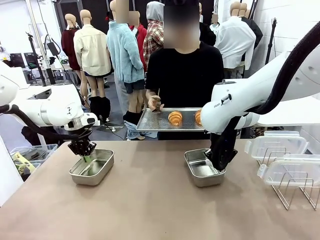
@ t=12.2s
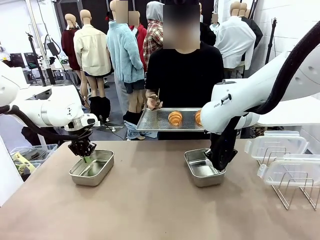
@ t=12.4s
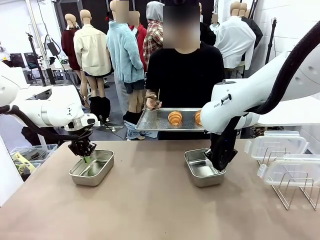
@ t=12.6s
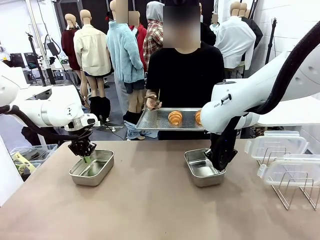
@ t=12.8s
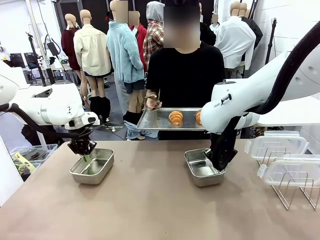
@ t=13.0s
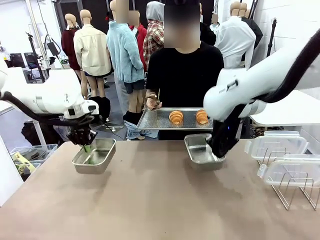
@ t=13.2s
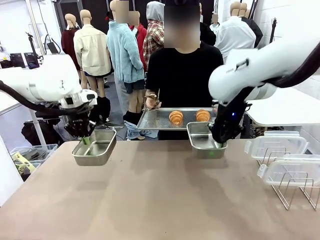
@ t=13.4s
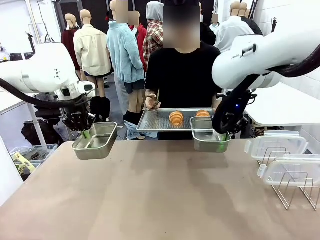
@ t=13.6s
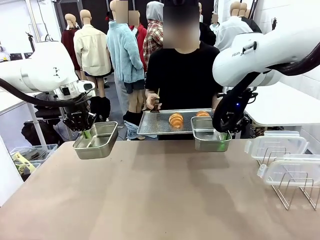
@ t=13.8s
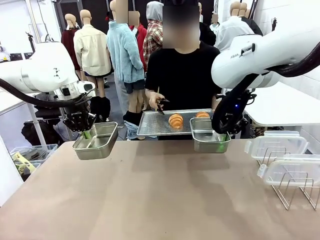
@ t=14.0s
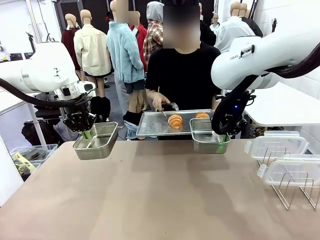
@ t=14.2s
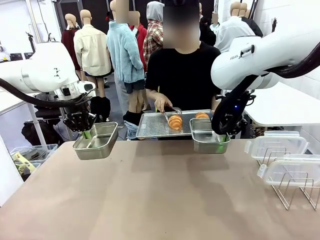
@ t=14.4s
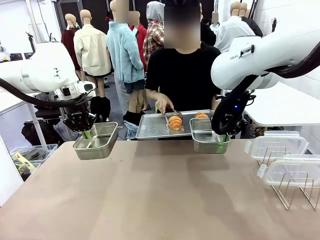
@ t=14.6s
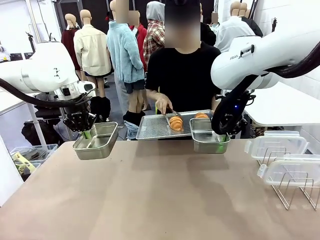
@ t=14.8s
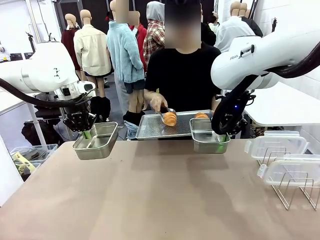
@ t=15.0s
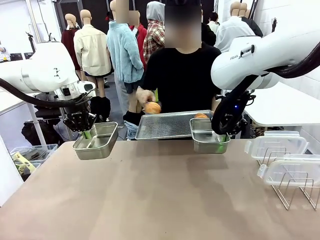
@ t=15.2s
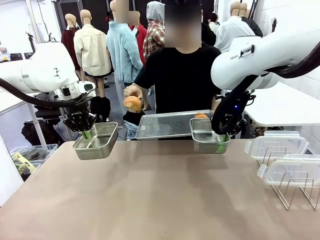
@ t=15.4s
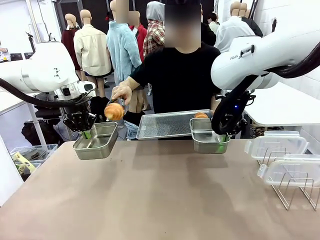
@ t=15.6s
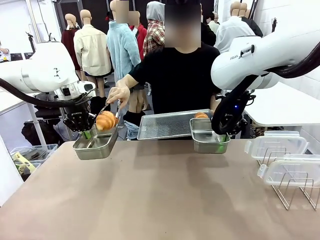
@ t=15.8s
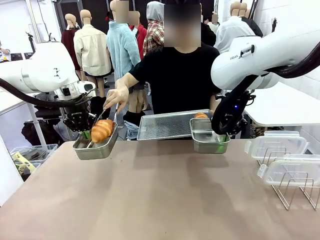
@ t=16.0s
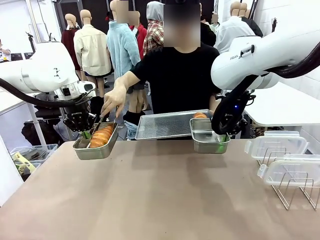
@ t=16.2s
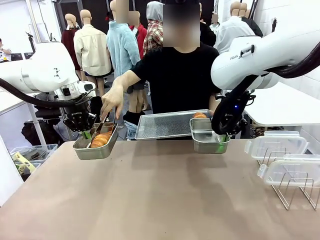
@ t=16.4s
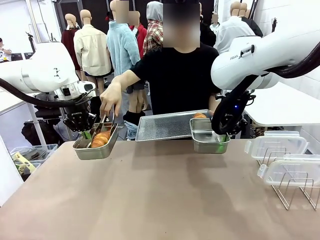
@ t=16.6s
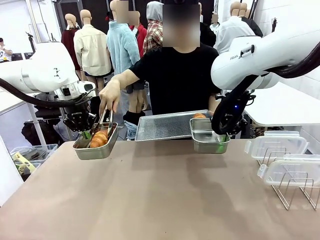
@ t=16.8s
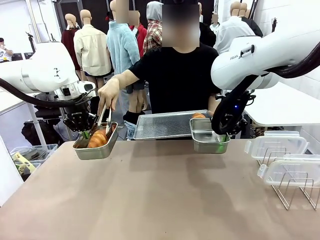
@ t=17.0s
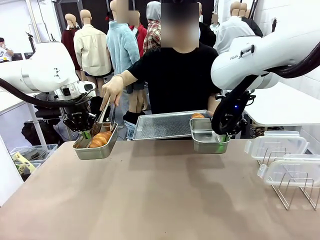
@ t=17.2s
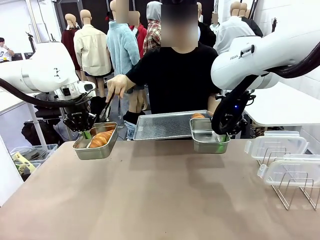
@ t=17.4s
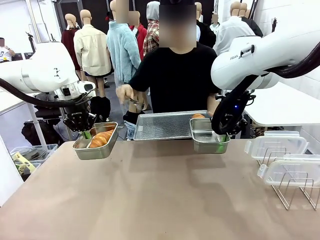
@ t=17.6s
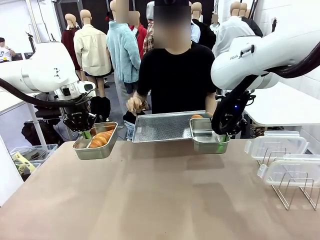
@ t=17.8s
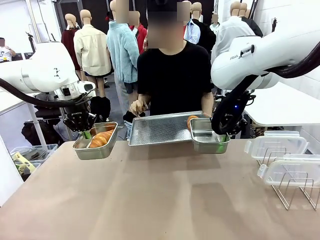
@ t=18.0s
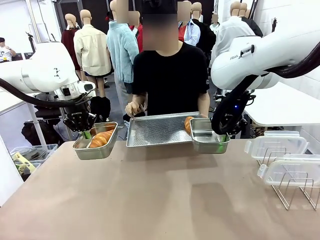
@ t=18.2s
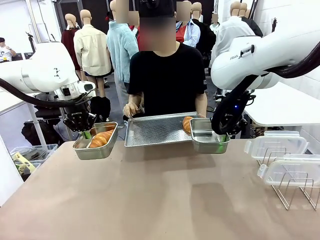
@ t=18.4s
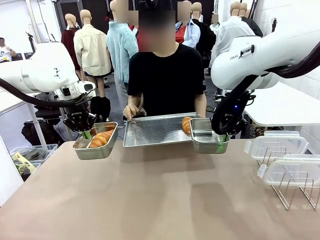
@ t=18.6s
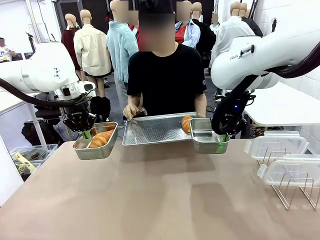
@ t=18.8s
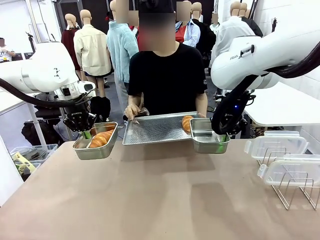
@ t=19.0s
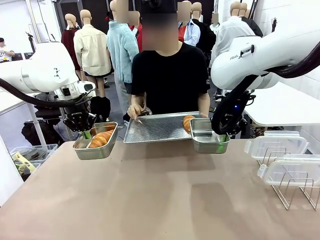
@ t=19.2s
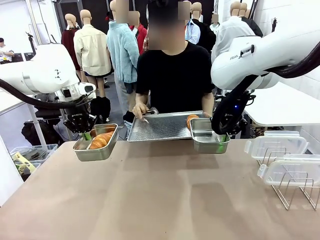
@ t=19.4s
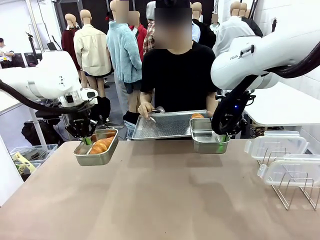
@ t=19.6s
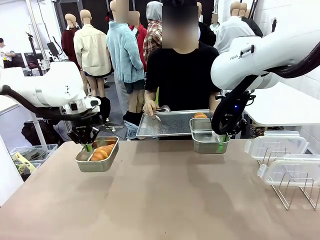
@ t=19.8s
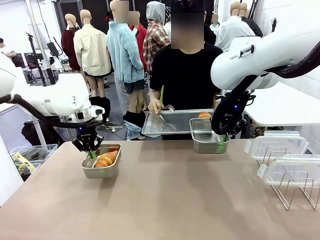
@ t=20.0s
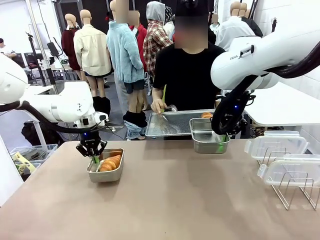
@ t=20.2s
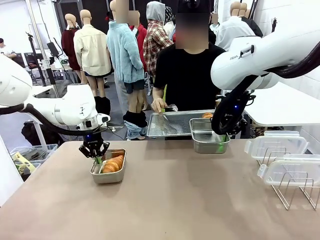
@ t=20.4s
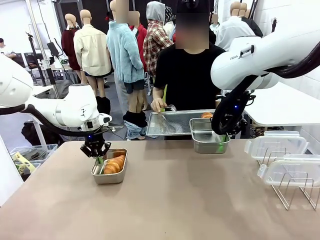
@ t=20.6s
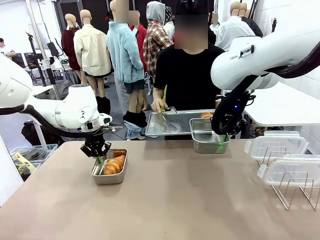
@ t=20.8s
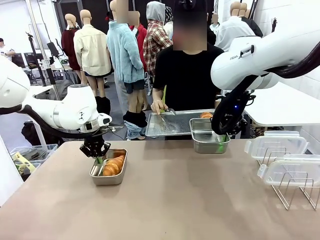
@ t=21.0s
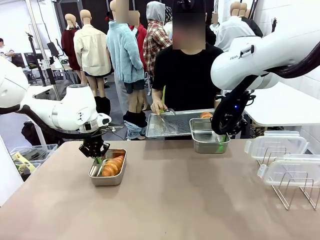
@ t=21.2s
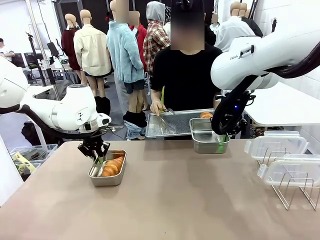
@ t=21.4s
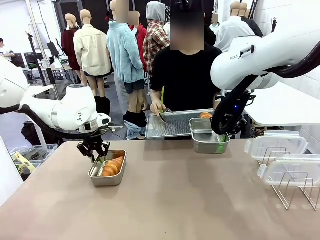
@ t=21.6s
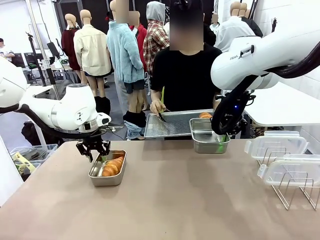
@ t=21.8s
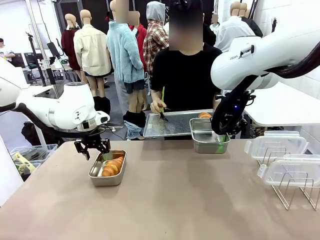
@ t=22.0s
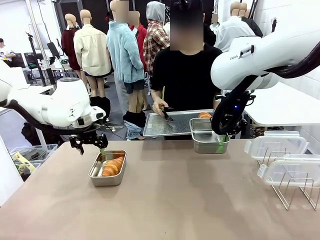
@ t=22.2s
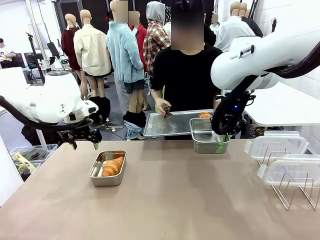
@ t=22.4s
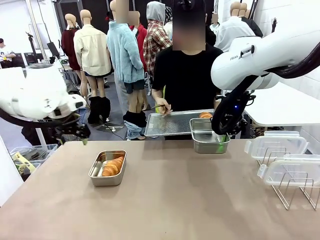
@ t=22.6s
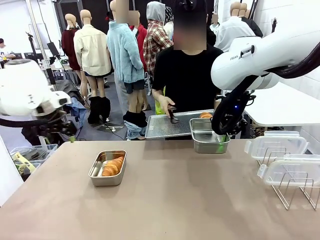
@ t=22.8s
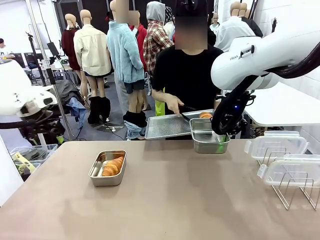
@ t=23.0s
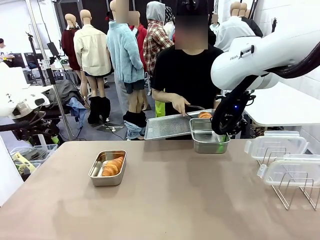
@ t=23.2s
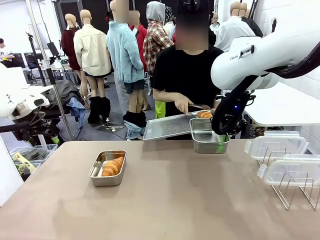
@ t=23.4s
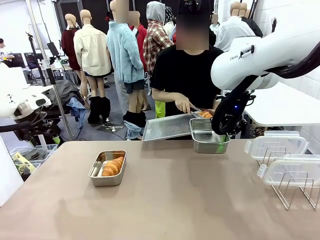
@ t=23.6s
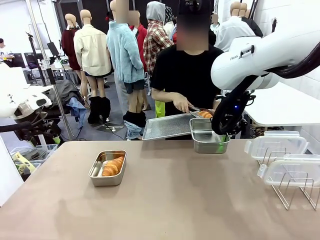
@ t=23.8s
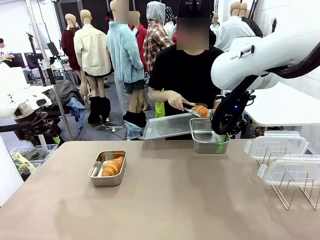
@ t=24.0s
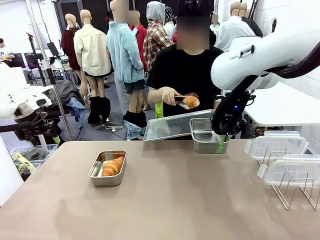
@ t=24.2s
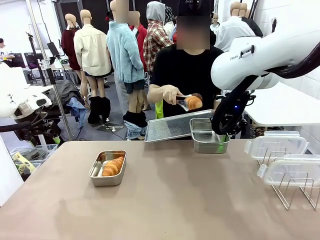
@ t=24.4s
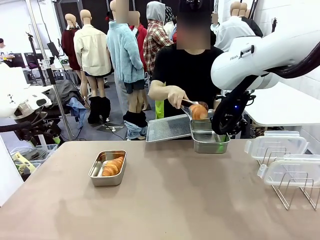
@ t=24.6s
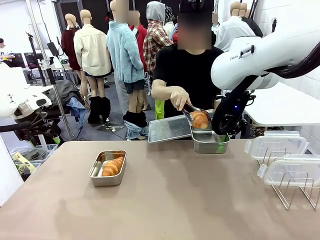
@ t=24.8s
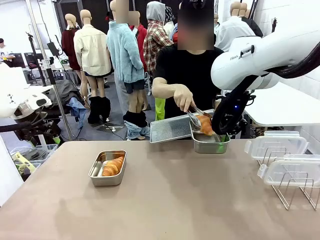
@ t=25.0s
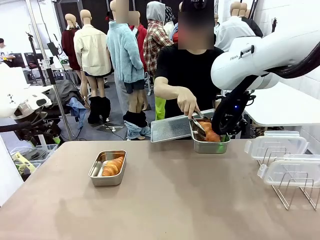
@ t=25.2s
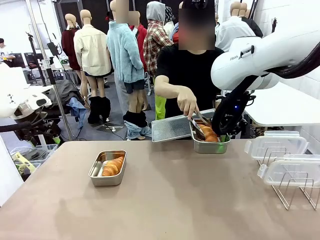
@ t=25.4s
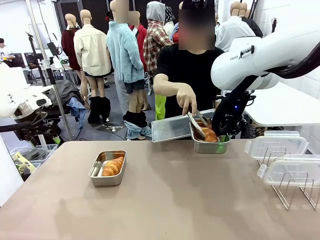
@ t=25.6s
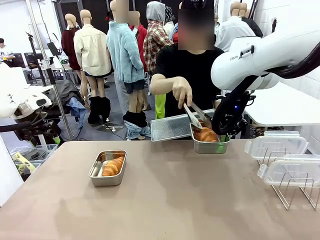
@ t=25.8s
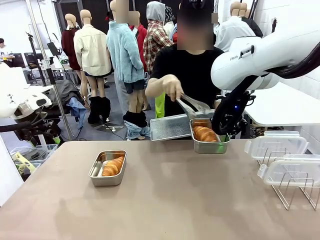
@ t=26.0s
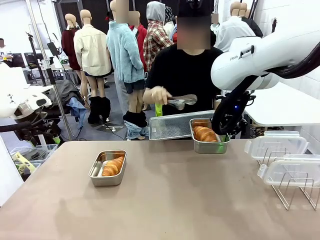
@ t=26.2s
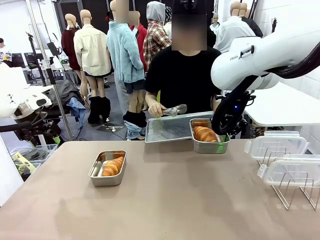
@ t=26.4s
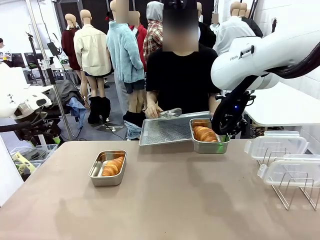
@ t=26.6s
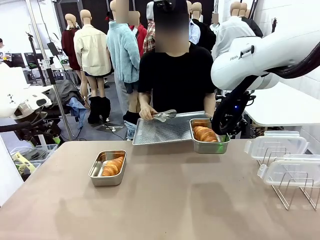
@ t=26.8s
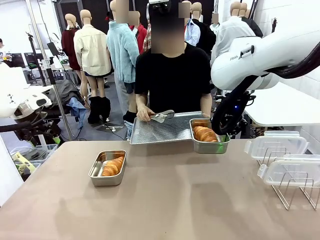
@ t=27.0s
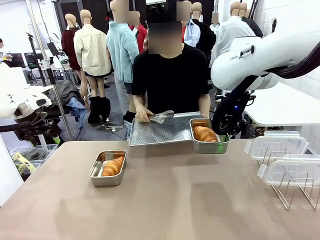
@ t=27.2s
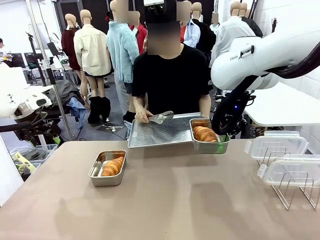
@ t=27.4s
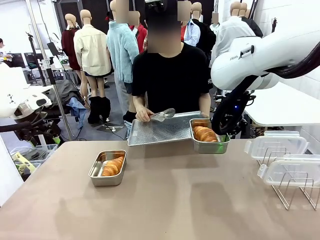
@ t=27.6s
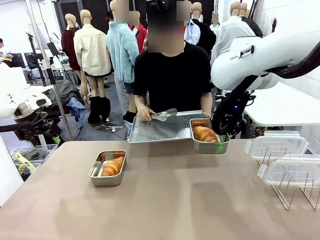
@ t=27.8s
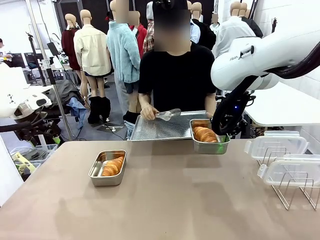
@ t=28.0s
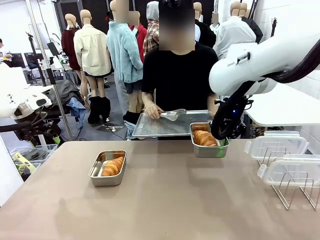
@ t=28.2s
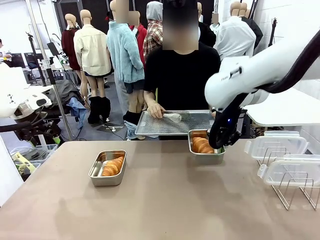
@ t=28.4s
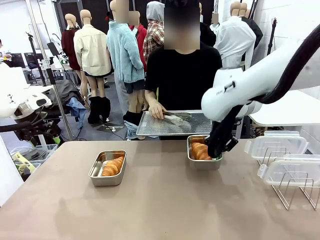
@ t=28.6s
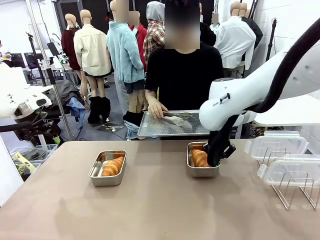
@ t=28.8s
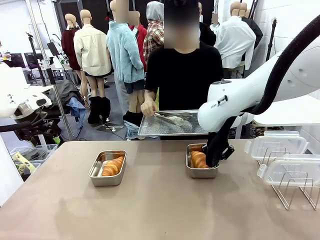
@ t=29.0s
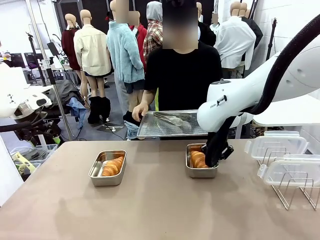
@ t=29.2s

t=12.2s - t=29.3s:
Task: Place the bread in airtight containers.
Robot: Once an object is inside an Airtight Container , place the container in the center of the table.
Person: Use the Stainless steel tongs to place one object from Baking Sheet into one Airtight Container.
